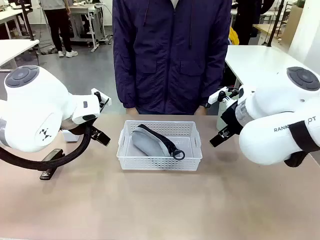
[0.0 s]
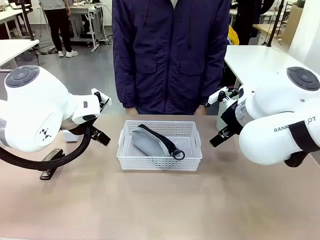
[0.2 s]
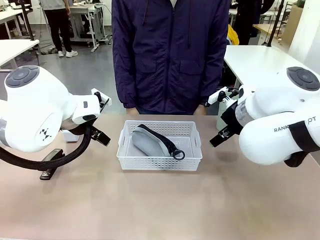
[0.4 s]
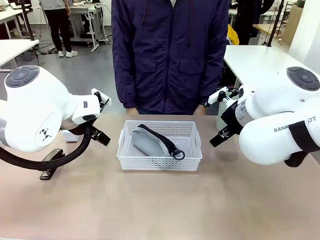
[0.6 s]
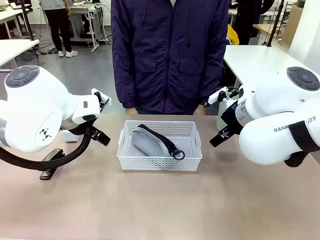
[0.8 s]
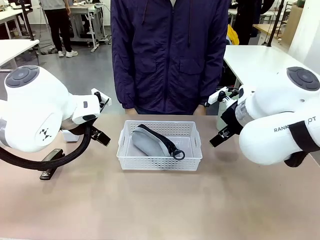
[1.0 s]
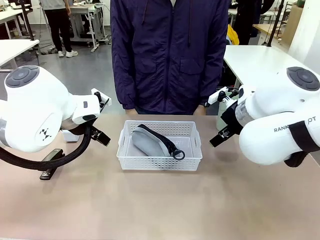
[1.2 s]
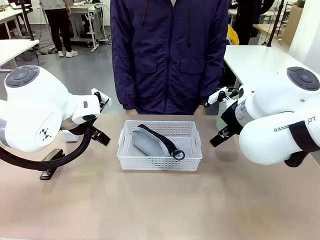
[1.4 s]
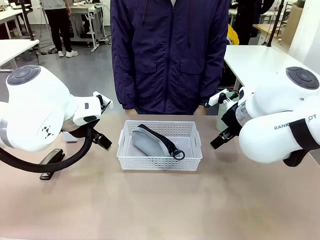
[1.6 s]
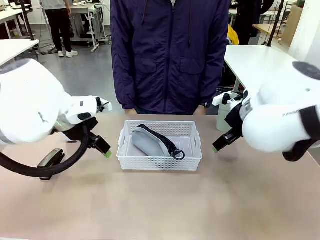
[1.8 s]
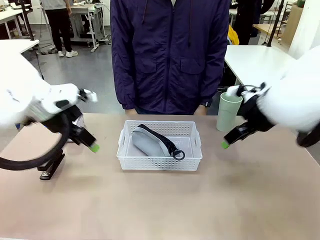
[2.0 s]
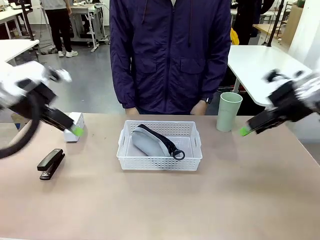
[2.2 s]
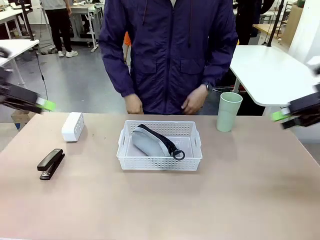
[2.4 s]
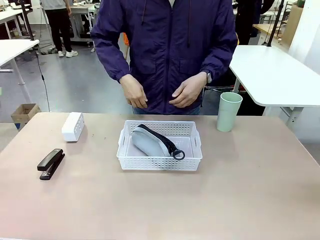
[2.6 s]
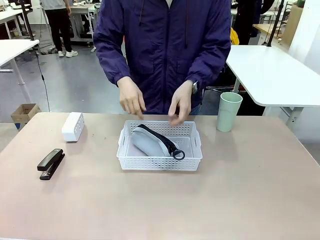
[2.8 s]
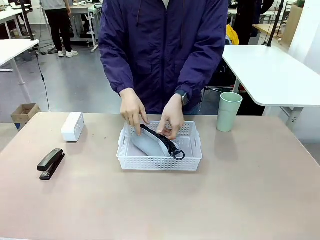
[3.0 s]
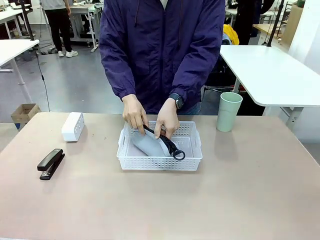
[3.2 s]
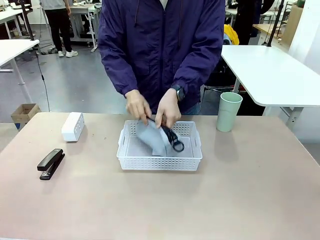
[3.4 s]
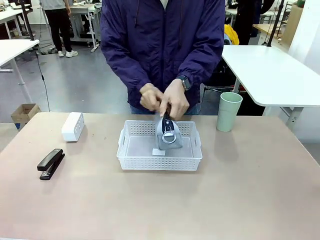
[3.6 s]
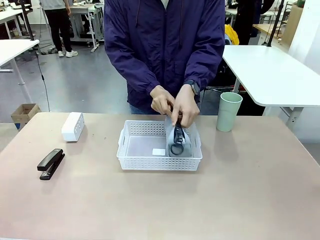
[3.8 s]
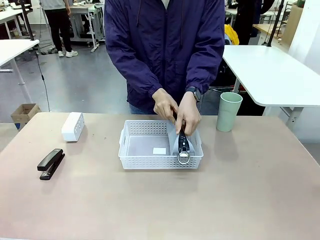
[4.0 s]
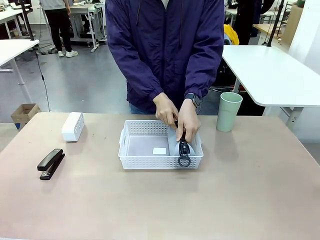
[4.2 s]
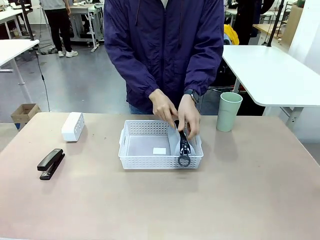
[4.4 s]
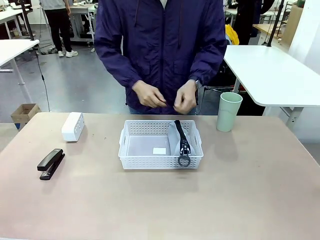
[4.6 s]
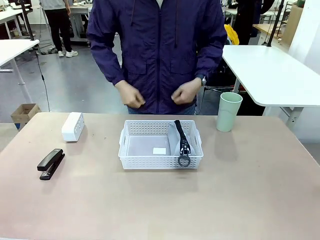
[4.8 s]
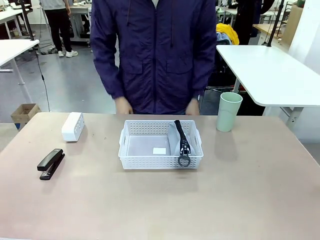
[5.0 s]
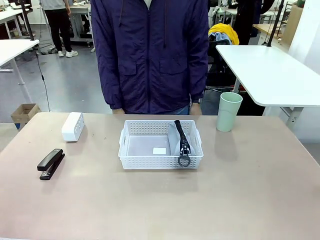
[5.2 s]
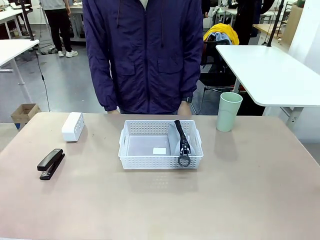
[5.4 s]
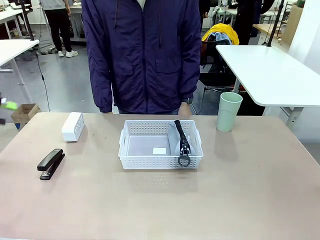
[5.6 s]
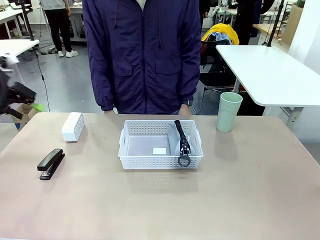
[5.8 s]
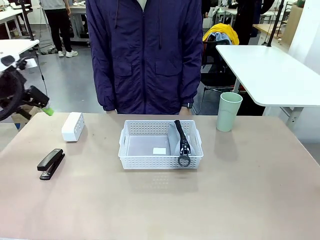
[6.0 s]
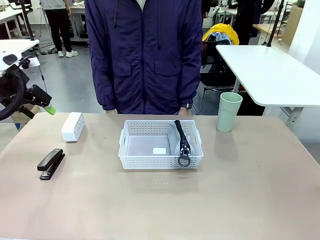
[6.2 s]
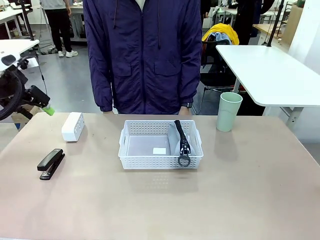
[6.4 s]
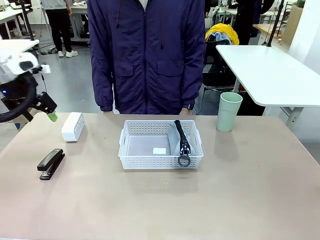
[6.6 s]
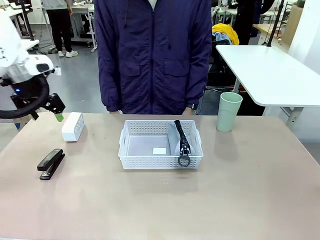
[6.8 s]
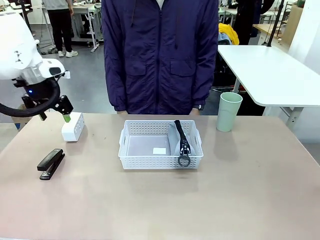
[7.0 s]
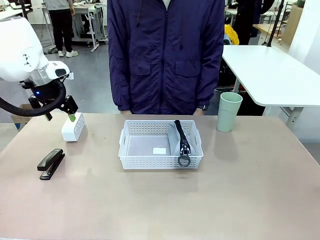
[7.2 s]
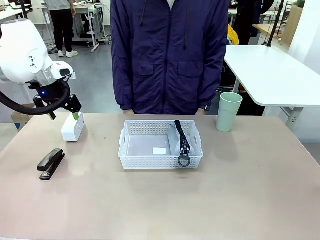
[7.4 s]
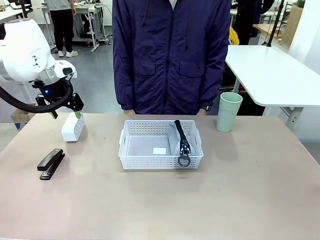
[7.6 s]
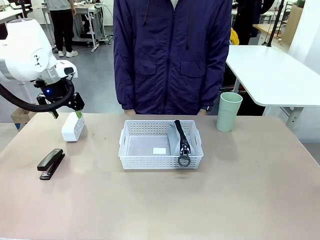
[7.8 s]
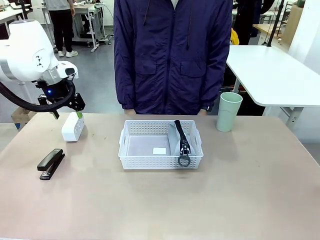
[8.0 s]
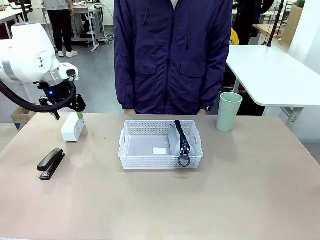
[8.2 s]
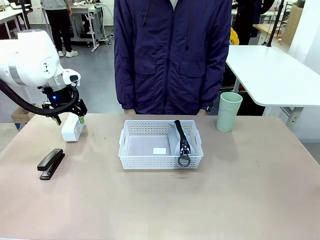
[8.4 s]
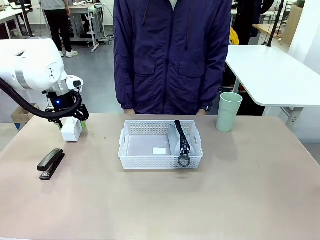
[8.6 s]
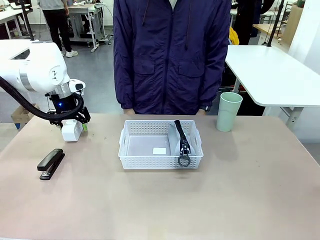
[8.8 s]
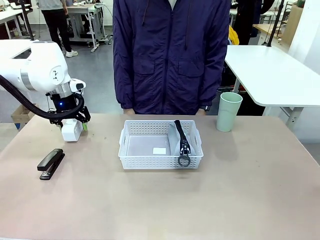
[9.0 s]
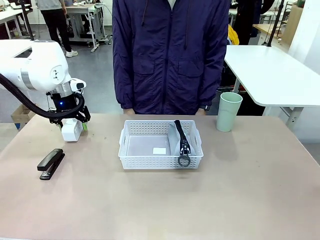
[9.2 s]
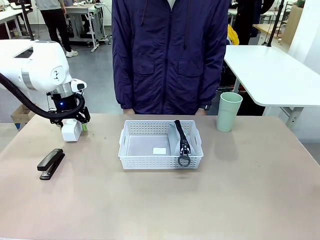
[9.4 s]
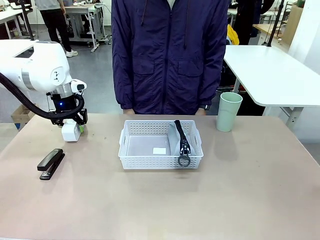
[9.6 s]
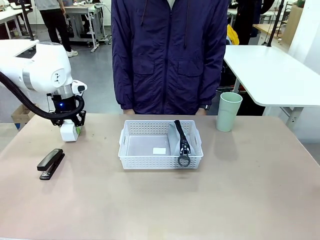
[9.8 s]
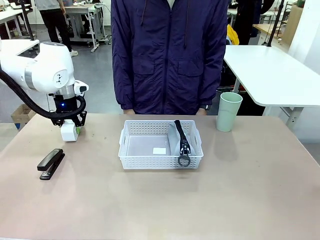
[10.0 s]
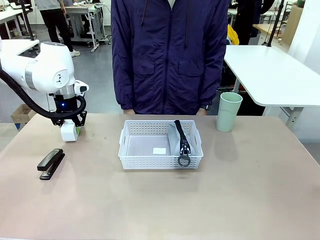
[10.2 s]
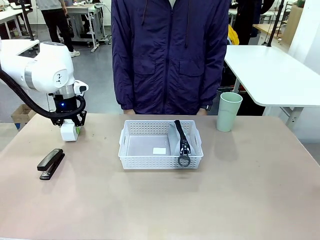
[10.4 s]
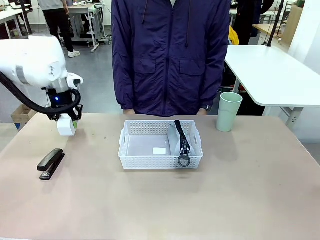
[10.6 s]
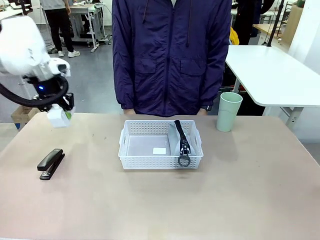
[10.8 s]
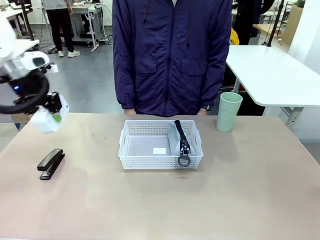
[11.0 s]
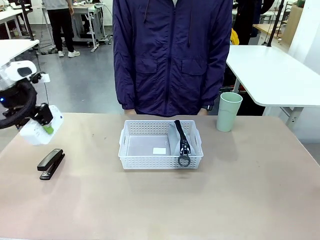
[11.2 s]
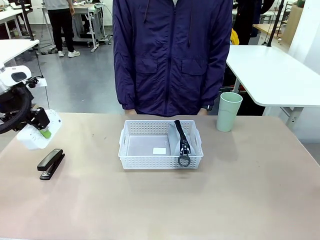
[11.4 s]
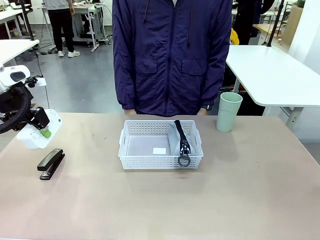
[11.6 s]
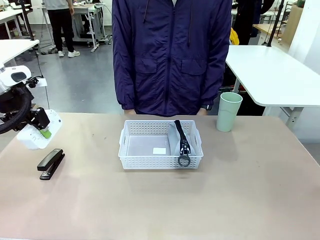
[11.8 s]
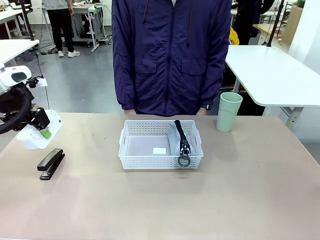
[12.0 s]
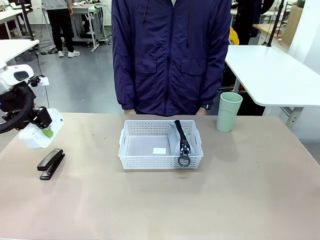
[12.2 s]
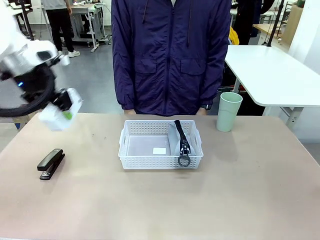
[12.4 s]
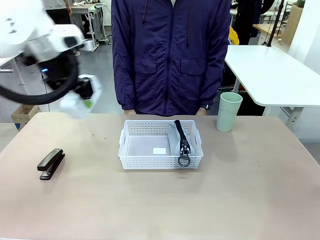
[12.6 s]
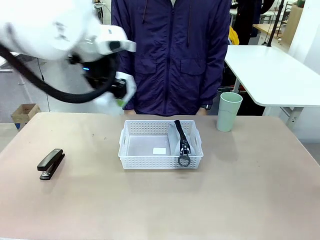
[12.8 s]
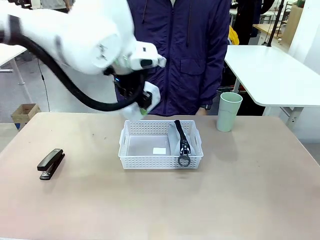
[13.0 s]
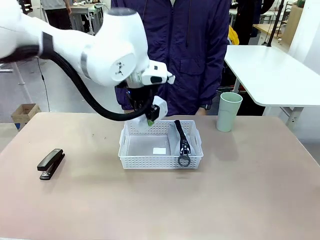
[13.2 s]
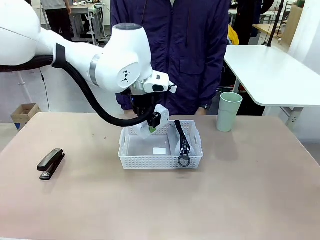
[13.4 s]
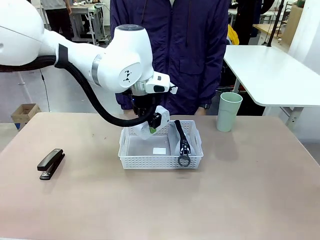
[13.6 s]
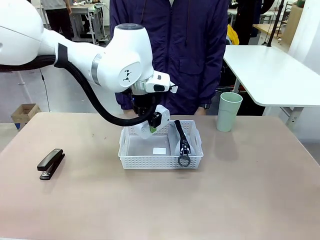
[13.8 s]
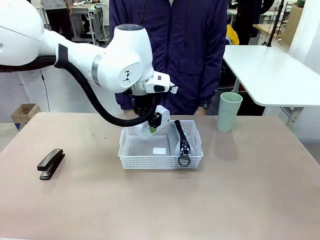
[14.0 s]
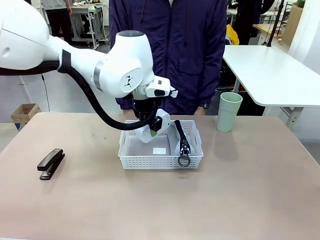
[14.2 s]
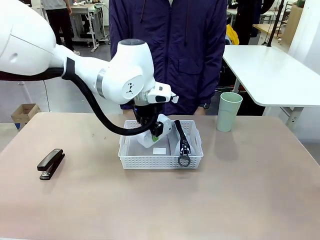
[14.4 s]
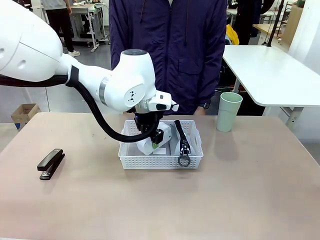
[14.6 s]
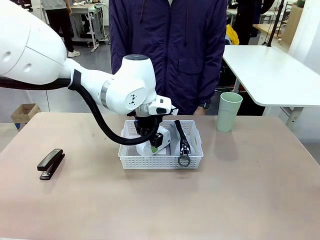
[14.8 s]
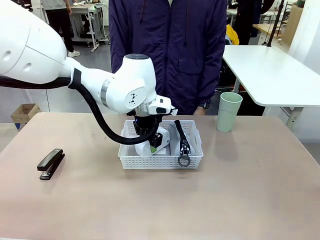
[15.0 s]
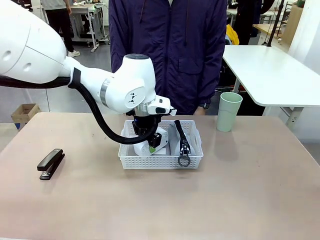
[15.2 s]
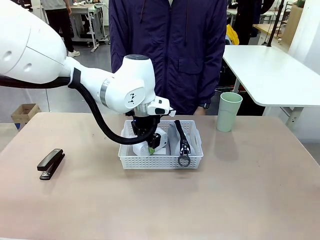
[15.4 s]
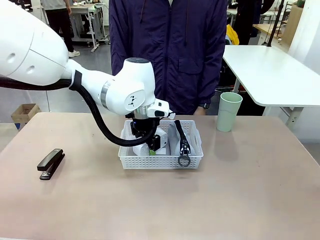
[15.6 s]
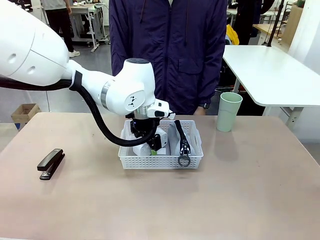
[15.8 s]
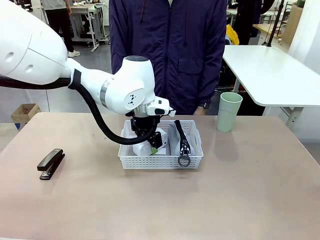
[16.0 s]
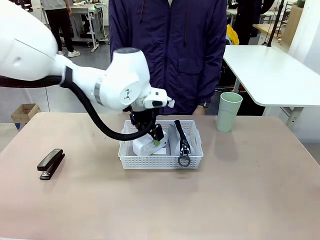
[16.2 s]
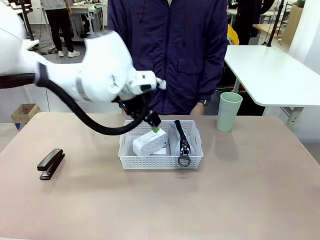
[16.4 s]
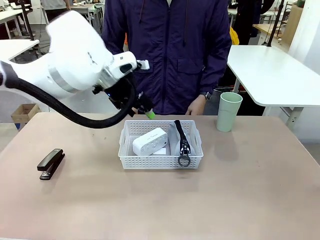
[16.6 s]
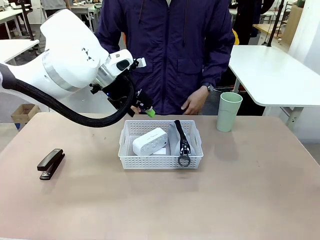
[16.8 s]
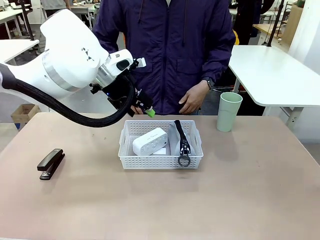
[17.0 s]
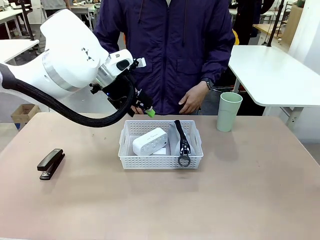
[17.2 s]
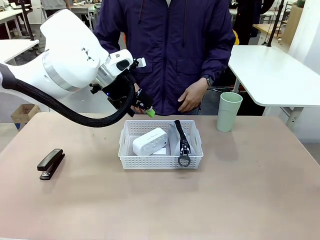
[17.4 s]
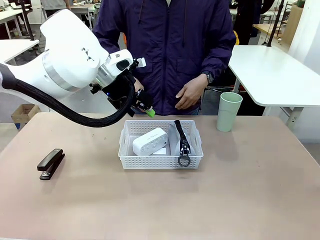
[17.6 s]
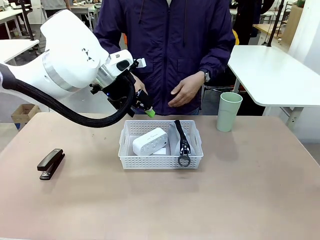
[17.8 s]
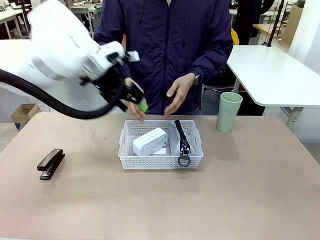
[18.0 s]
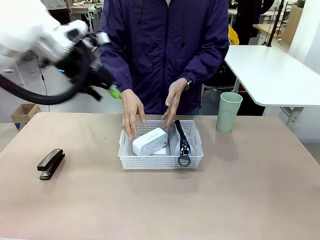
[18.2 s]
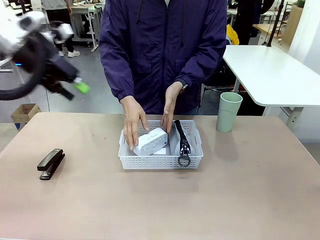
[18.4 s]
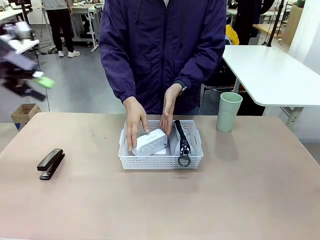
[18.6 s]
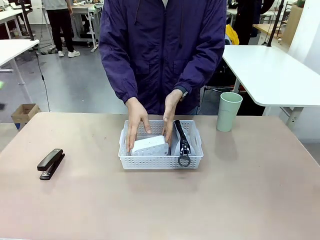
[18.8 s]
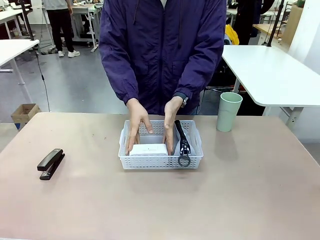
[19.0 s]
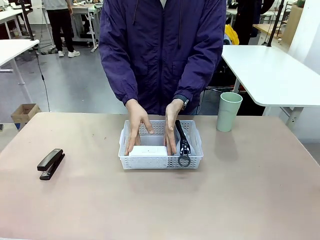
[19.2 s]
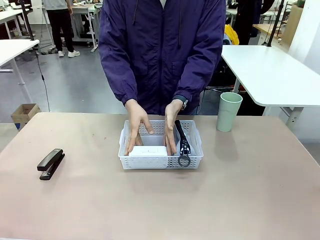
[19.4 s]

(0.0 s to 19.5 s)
Task: Efficiently arrange items inside the basket to fit them all.
Robot: Pick up the Digital clock and place it inside the Organizing basket.
Person: Repositions the pencil case. Repositions the digital clock.
